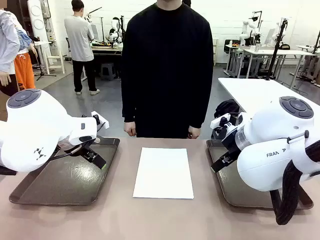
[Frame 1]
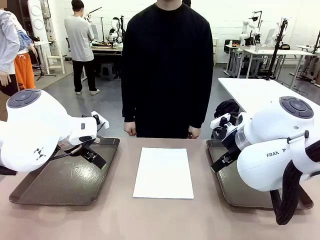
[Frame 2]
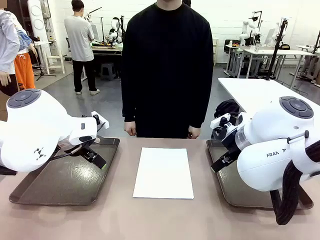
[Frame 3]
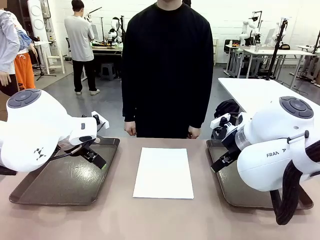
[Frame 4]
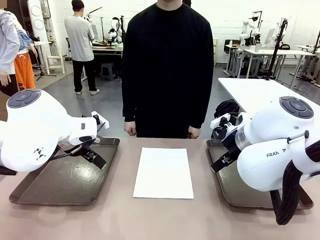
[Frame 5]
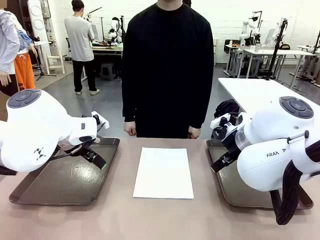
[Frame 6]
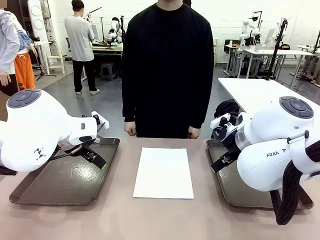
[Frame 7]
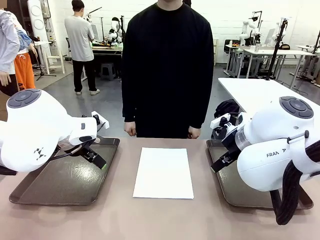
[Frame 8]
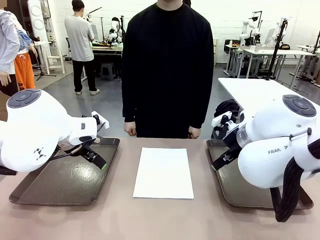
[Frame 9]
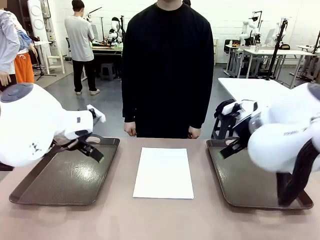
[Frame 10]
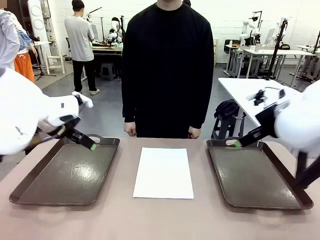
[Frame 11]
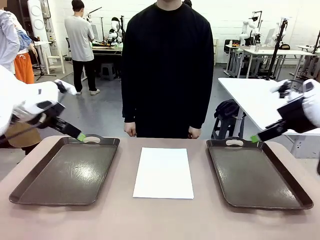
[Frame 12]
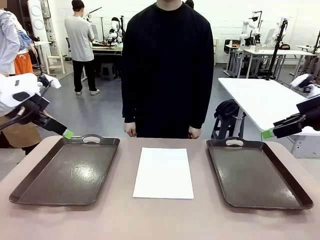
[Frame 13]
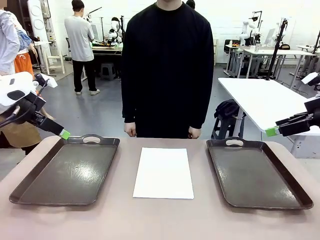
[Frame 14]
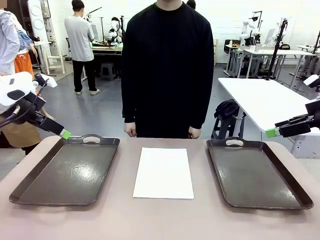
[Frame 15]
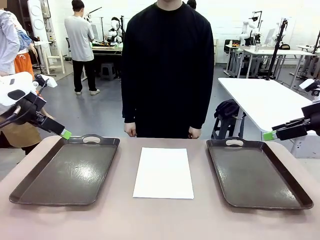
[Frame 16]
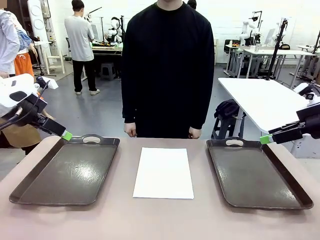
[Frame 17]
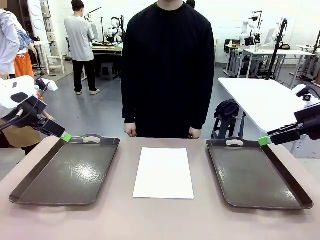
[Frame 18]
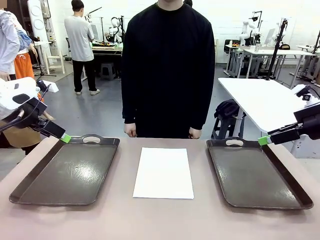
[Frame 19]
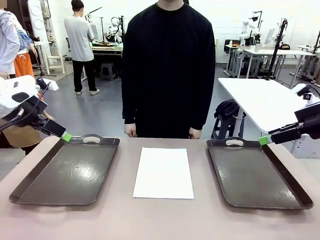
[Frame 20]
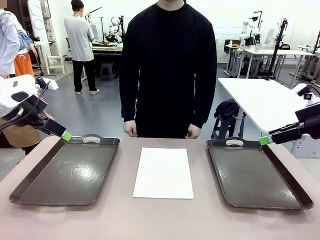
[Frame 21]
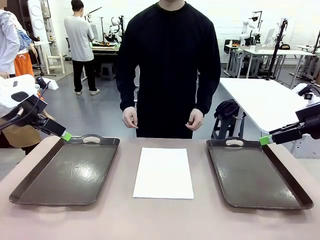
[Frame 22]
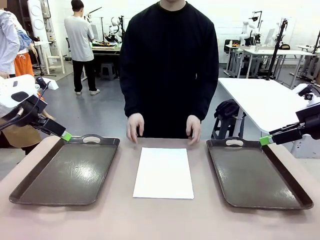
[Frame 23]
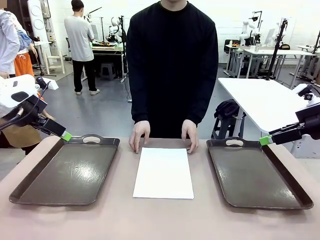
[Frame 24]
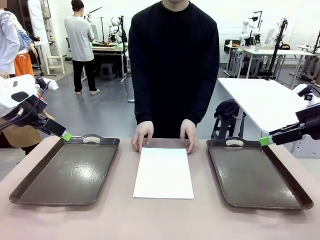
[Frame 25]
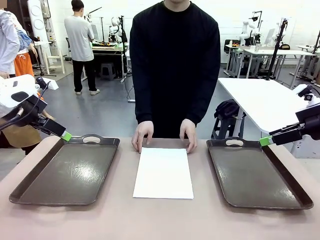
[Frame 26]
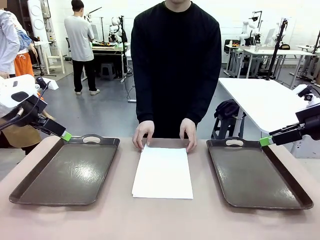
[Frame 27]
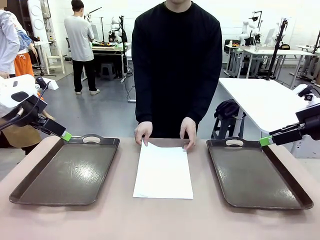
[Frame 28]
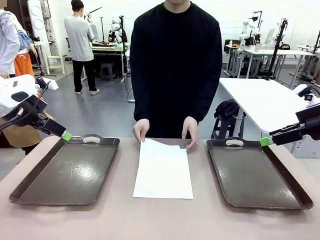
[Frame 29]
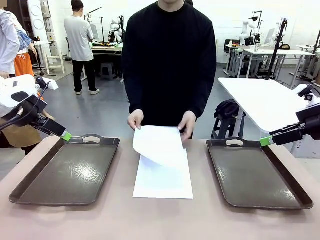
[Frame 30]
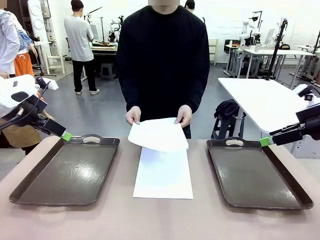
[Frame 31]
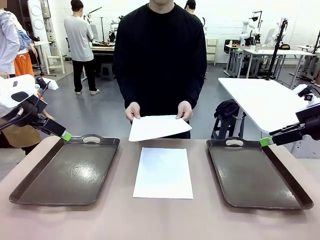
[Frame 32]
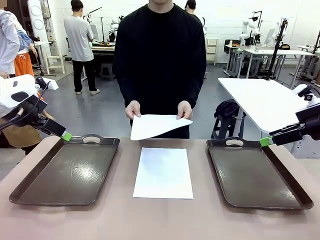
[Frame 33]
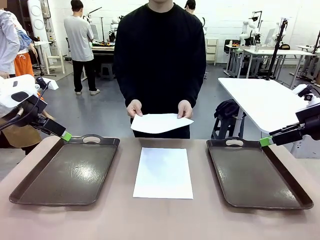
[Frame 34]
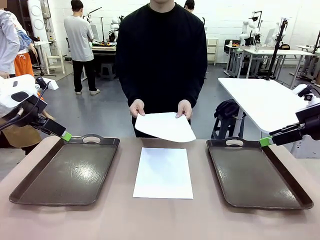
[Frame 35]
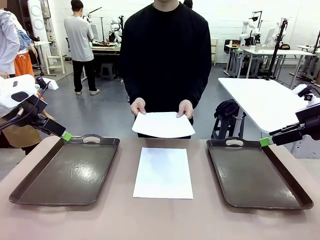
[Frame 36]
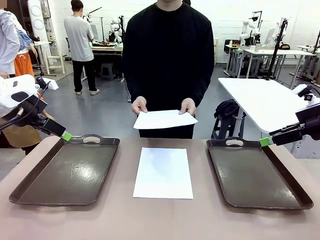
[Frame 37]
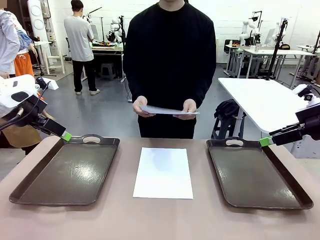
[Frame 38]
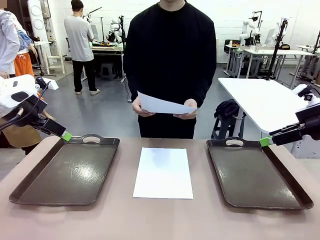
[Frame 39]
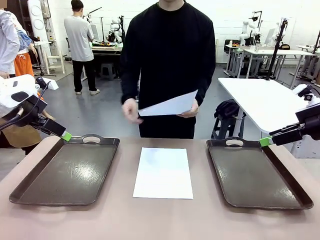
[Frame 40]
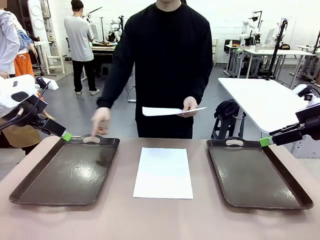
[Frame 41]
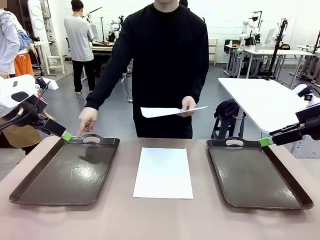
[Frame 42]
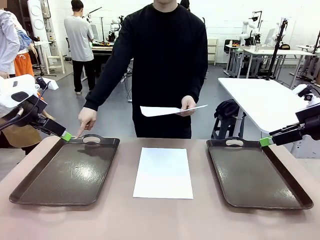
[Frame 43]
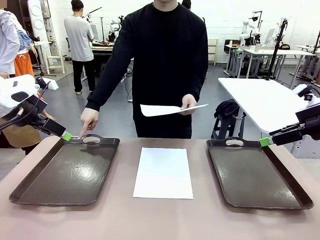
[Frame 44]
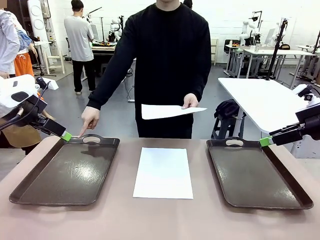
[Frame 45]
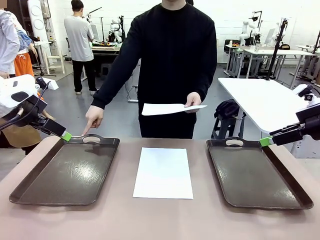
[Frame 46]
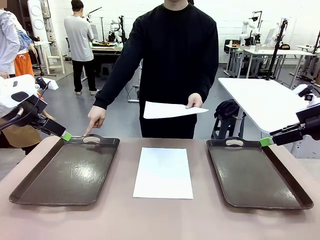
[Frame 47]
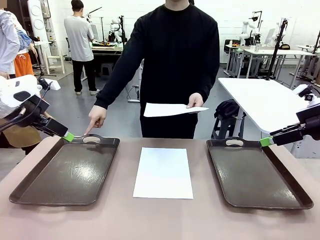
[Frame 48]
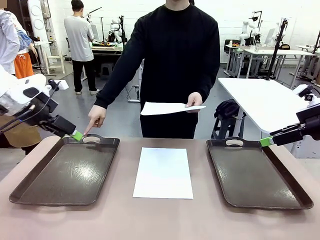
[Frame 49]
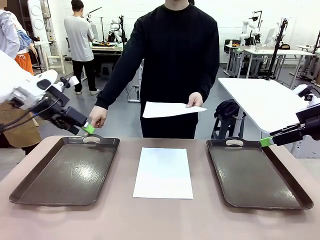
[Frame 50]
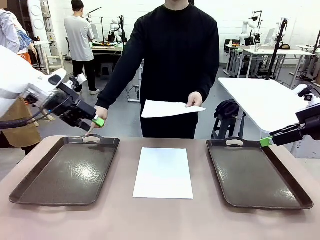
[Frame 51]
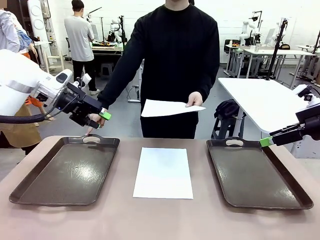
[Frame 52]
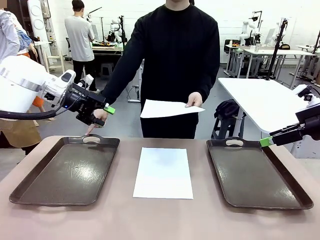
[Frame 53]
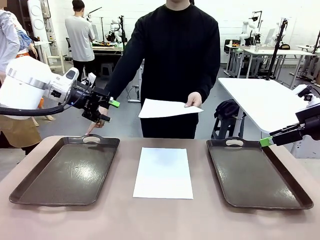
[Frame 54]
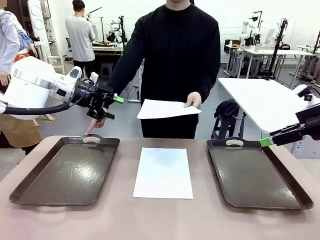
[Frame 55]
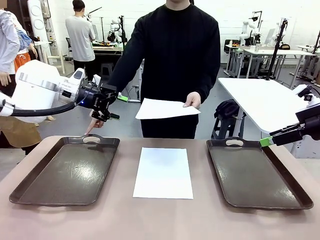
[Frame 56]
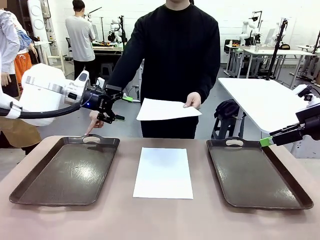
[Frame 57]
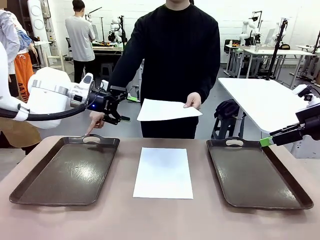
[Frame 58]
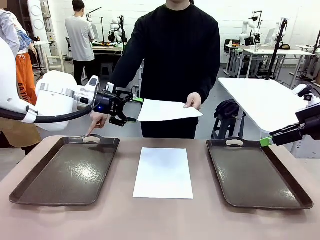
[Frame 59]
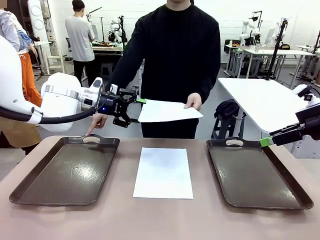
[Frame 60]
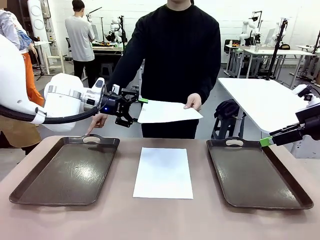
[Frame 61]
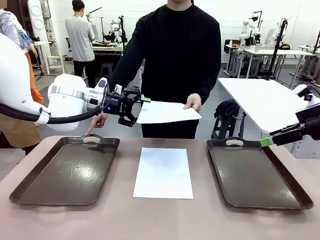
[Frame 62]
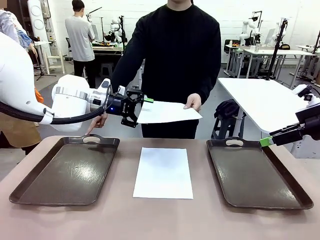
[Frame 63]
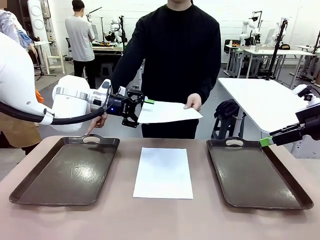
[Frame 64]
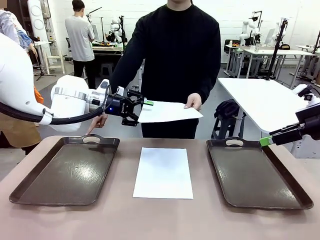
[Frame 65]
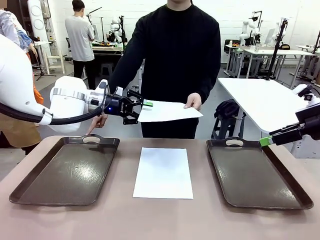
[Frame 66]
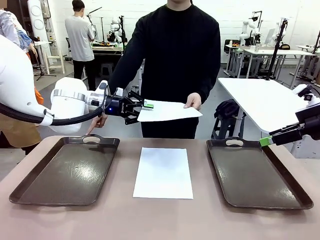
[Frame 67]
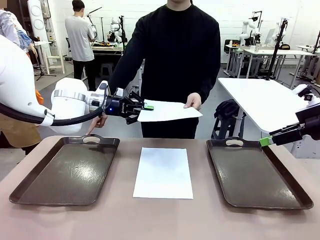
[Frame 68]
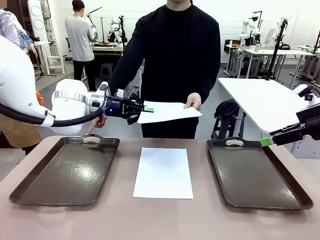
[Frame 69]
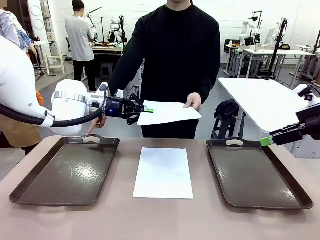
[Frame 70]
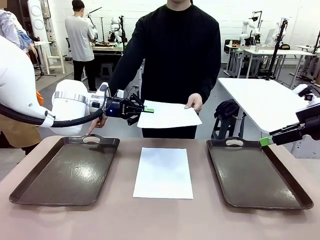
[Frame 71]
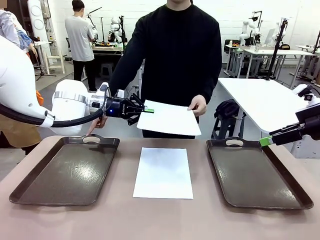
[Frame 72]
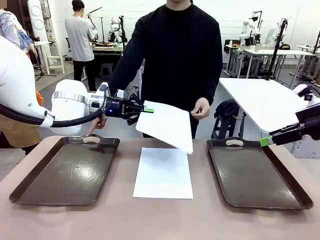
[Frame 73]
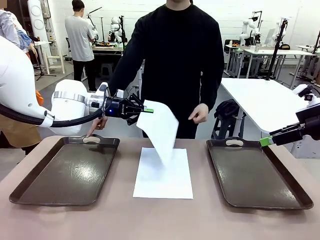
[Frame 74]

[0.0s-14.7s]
Task: Sort the A4 documents.
Robot: Receive the A4 Paper.
Person: Pick up a sheet of paper from the center of the table and hand it to the robot. Point the randomly selected tray with the other hand.

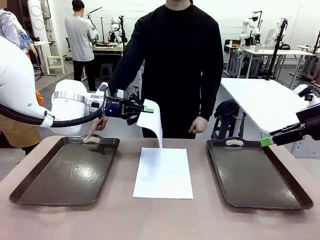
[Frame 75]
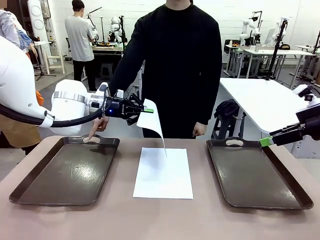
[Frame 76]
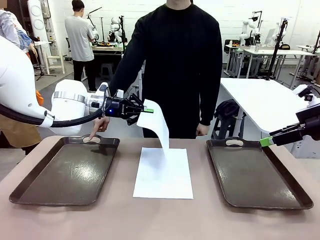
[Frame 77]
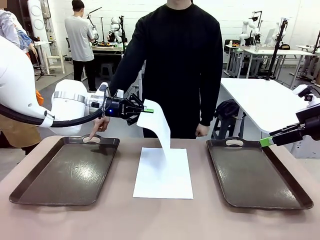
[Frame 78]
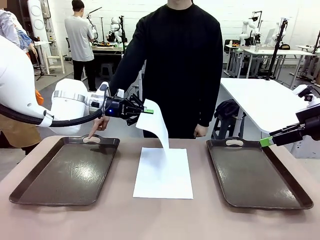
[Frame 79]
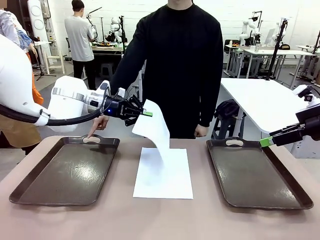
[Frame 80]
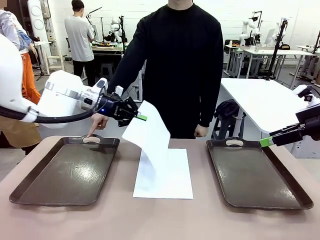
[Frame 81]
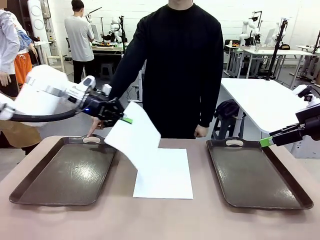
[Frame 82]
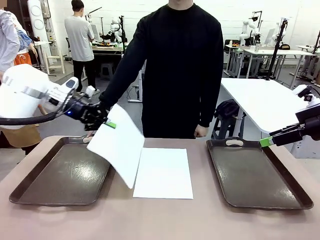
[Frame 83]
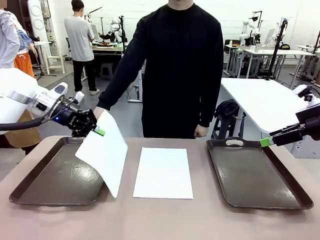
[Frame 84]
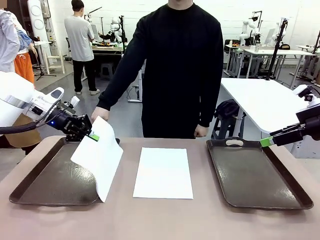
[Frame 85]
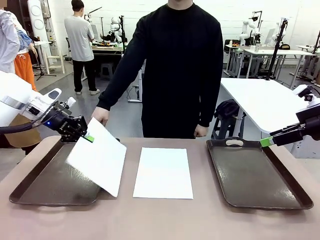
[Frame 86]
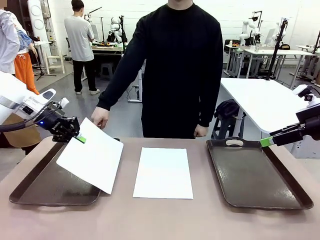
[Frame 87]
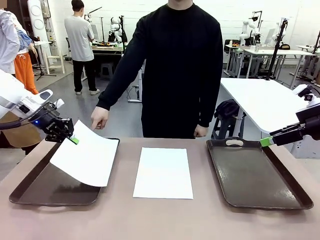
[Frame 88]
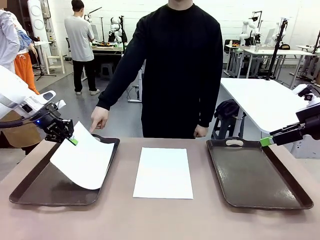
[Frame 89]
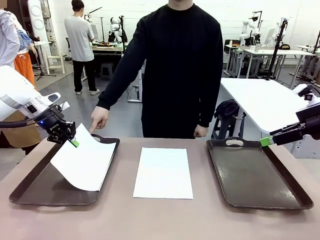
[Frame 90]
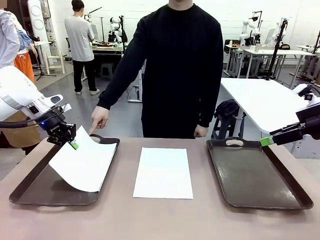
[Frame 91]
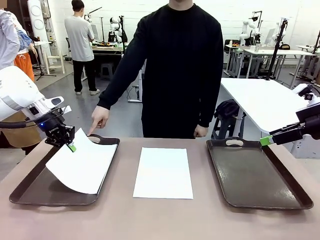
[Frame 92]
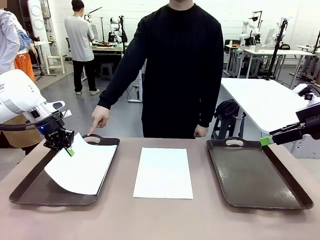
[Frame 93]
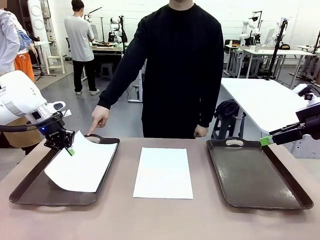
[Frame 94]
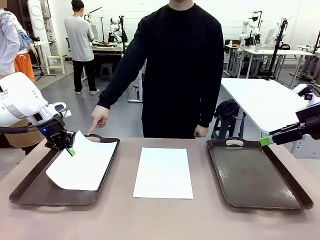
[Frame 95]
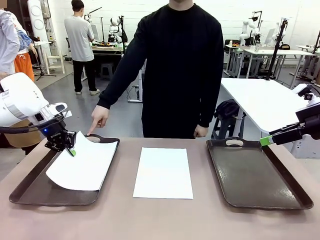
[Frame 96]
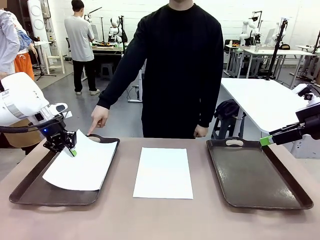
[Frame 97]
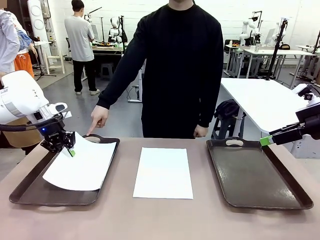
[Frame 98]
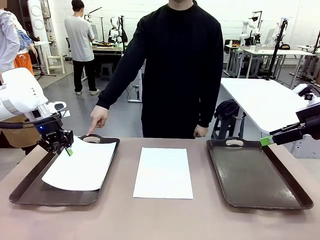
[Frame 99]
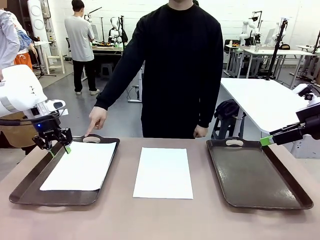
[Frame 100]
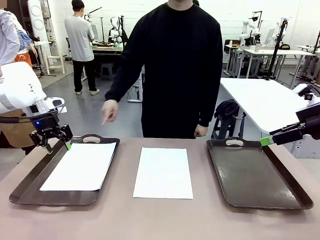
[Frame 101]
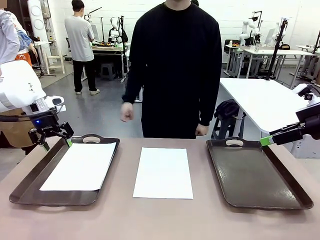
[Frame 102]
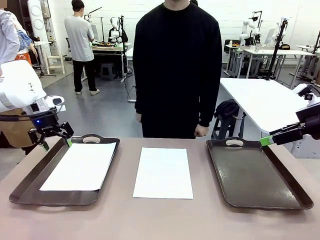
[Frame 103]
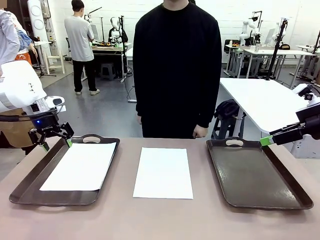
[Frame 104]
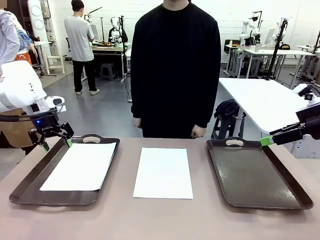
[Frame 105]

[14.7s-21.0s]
Robot: Place the A4 Paper in the designated Handle tray.
